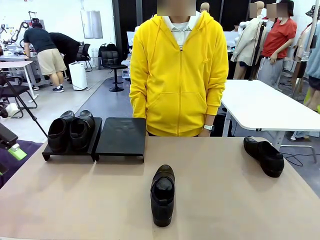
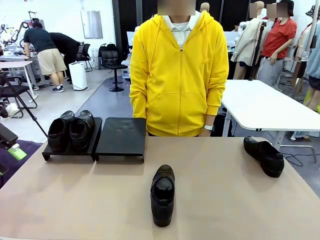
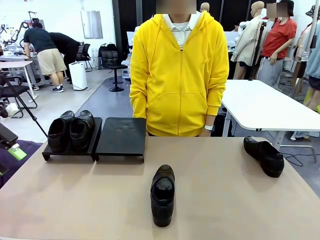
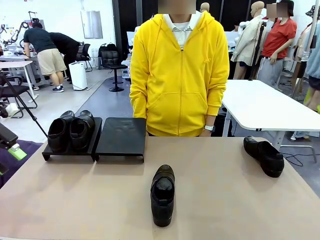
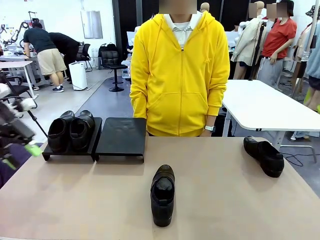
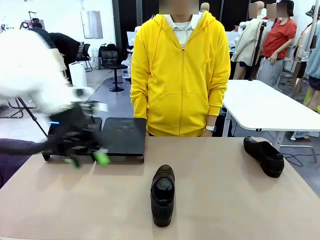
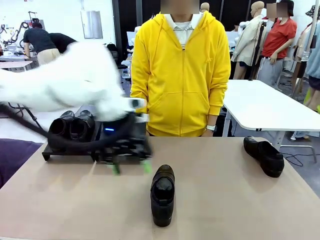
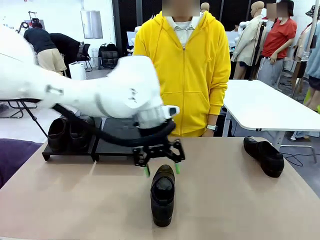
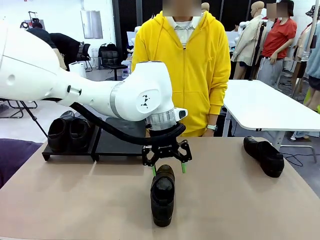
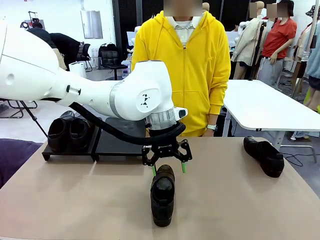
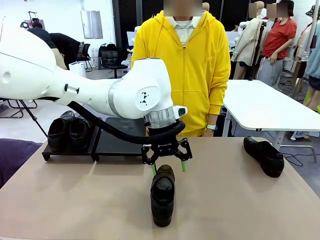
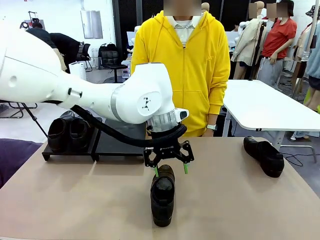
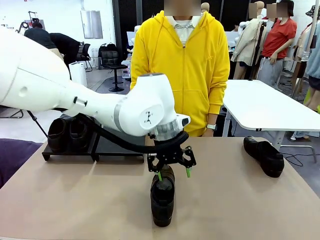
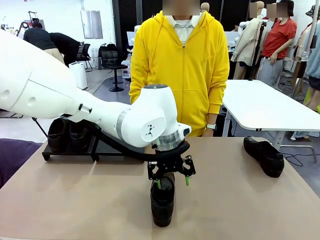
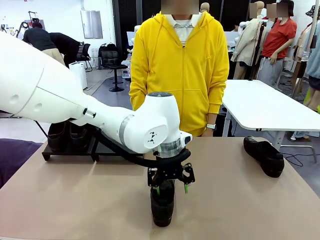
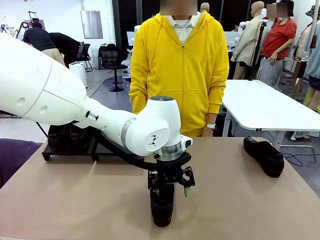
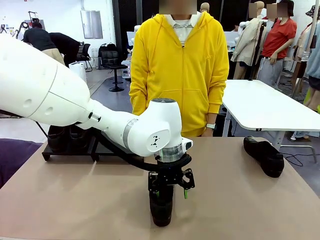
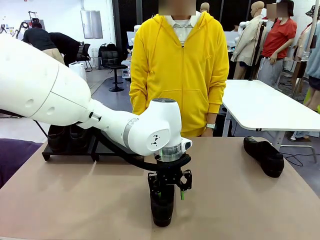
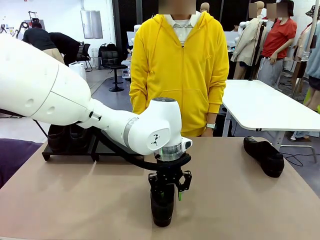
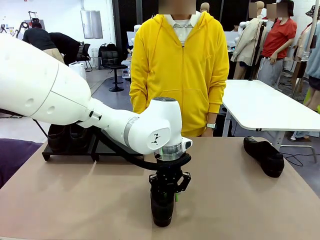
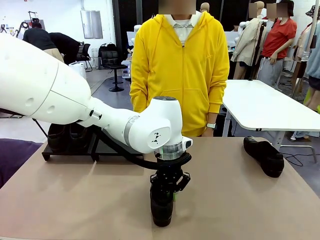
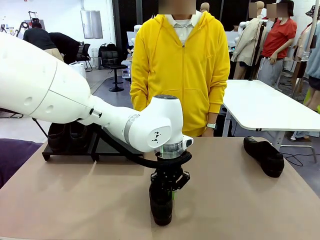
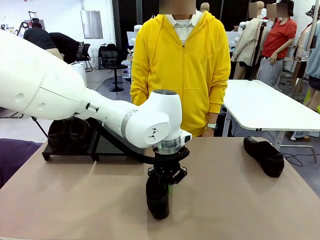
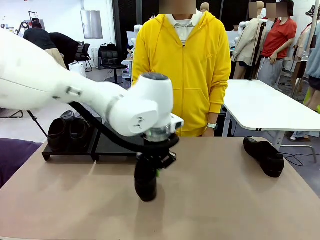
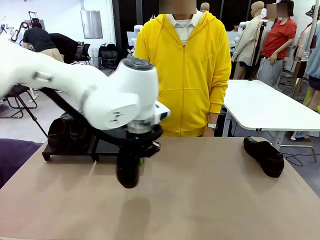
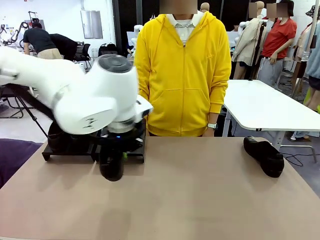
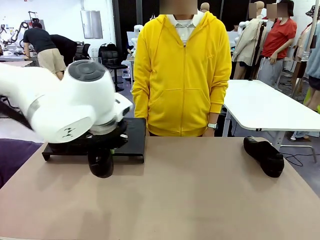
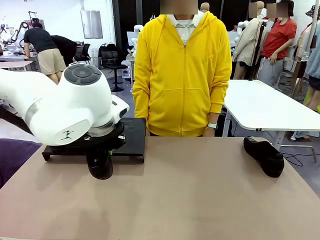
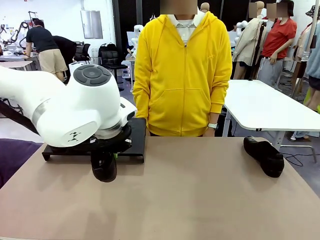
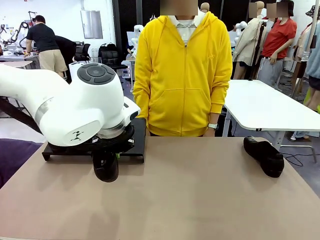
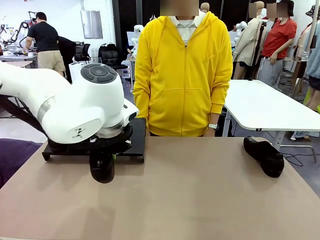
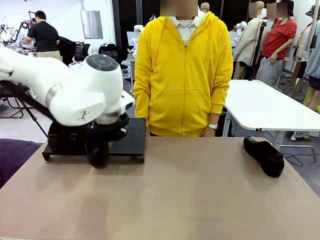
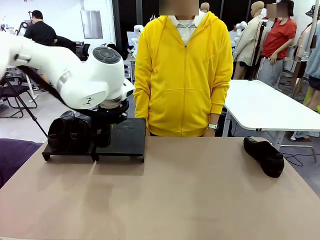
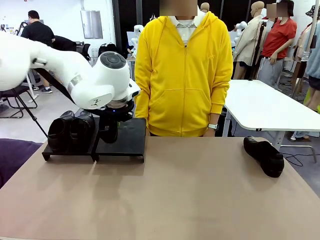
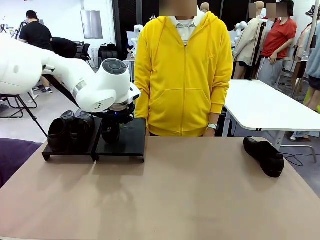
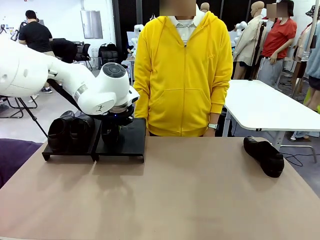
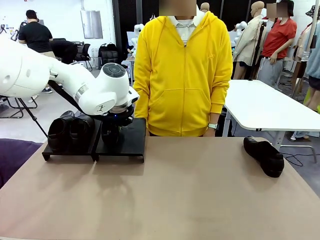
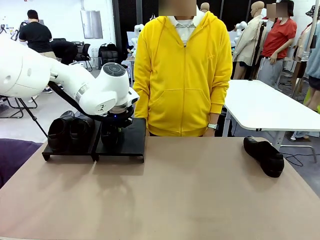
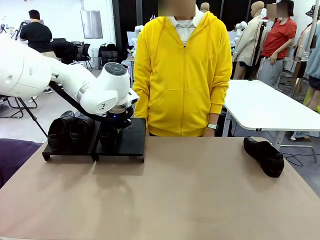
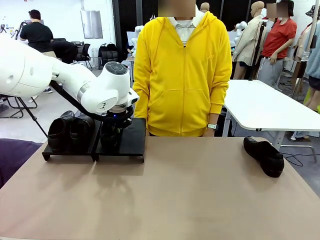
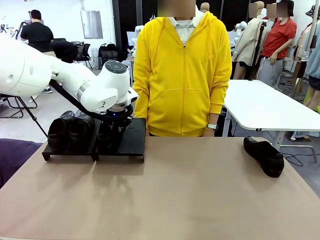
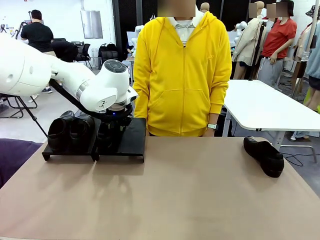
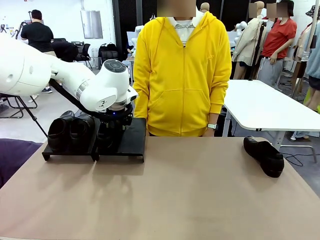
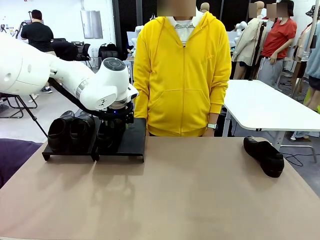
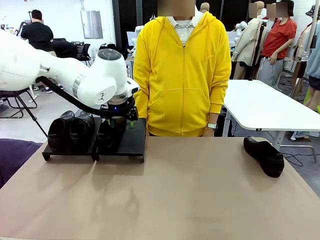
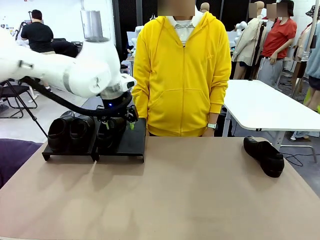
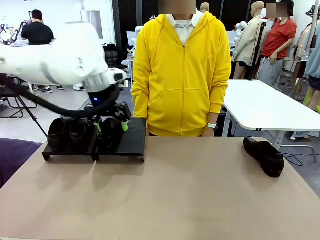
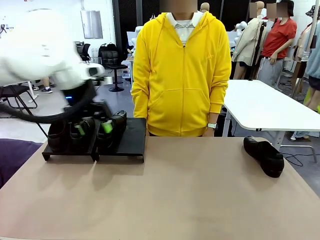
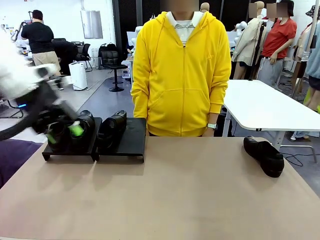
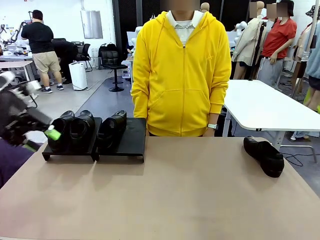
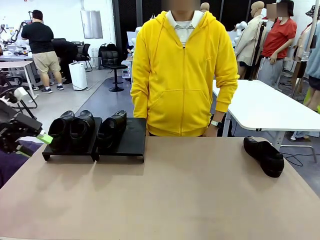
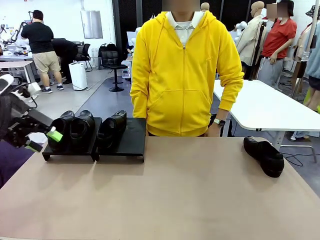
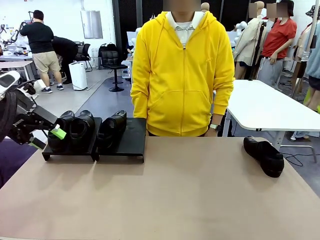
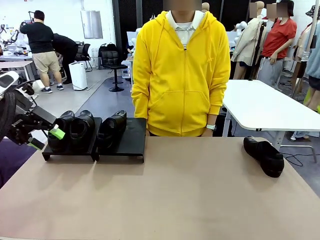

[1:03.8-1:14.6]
Task: Organize the shoes by placing them on the stand.
Robot: Place the Shoe from the middle of the table onto the Shoes Stand.

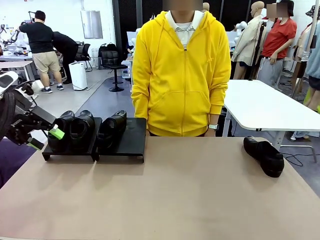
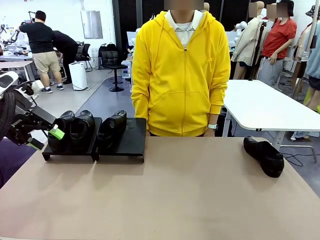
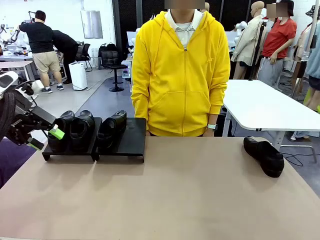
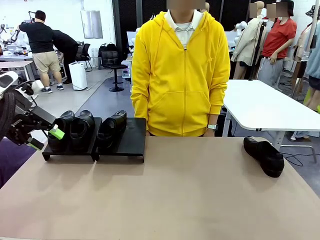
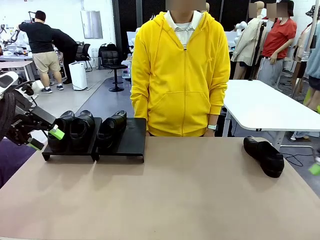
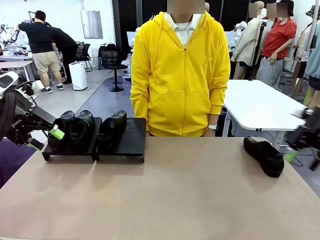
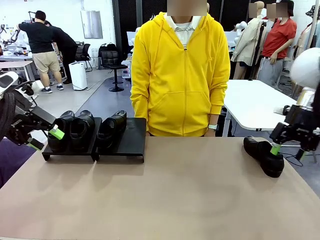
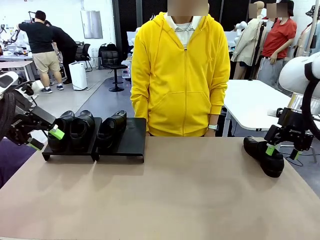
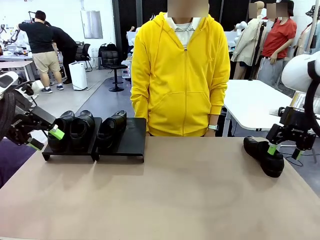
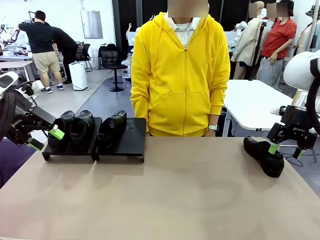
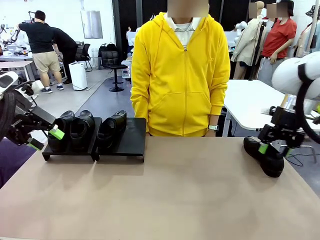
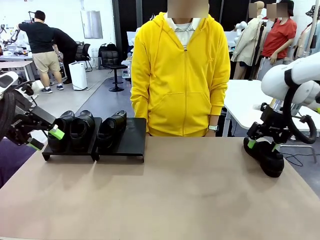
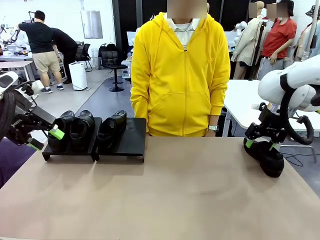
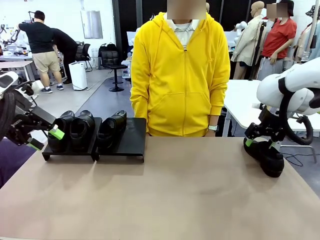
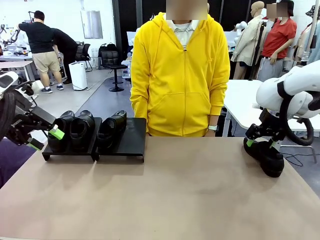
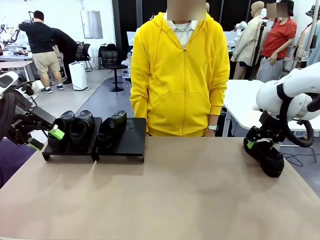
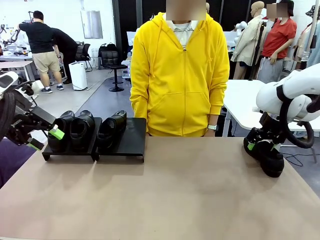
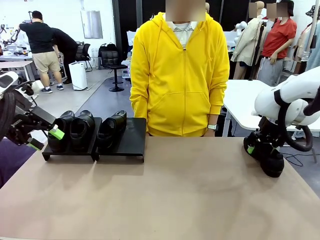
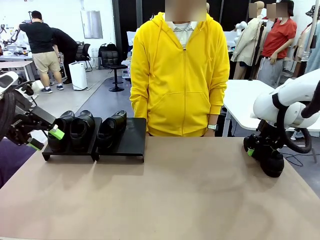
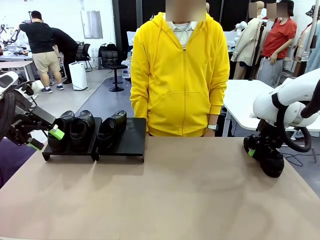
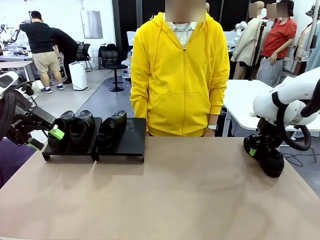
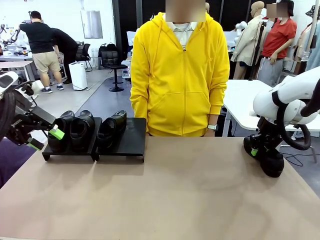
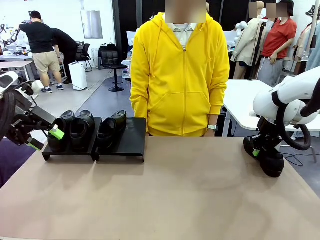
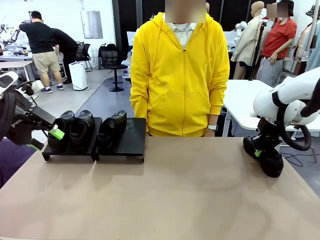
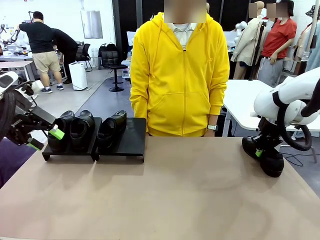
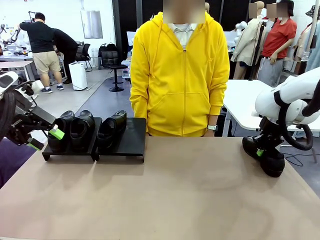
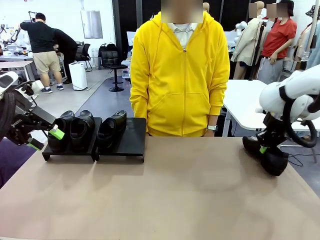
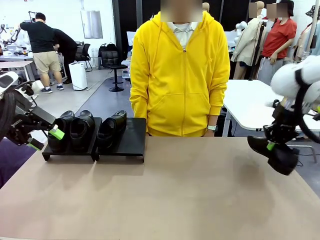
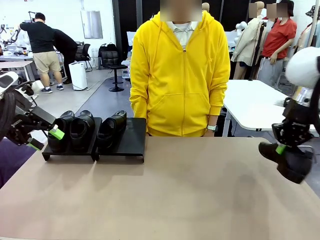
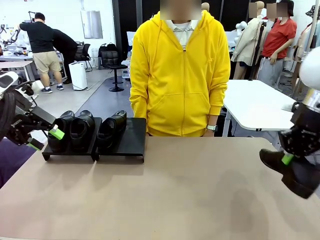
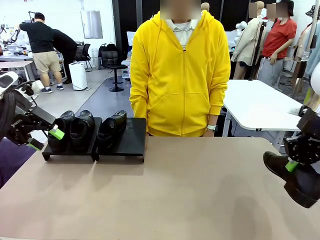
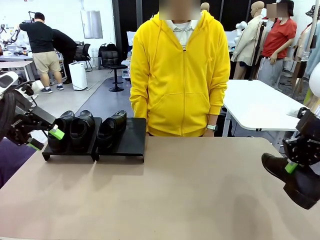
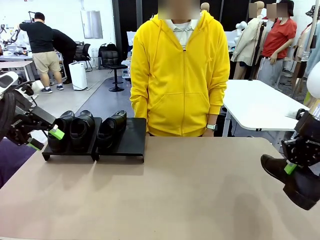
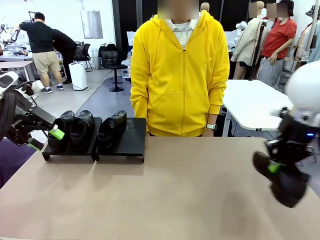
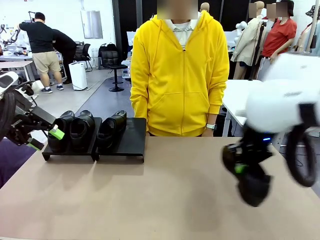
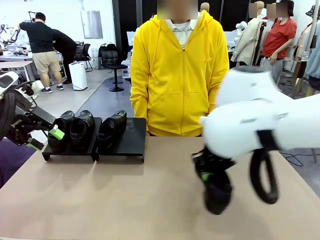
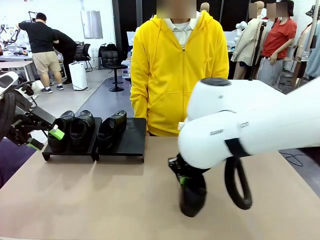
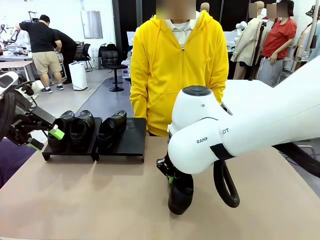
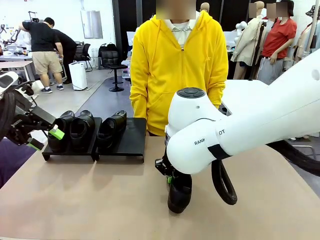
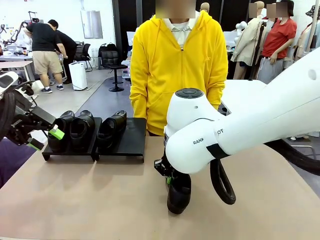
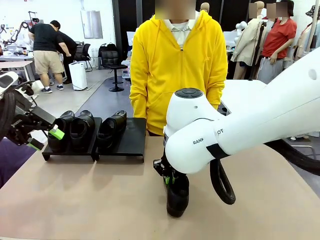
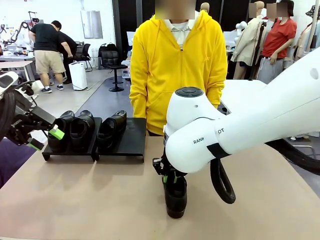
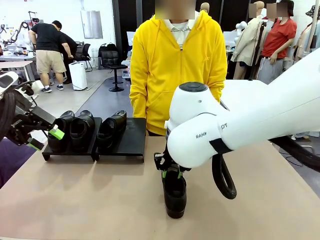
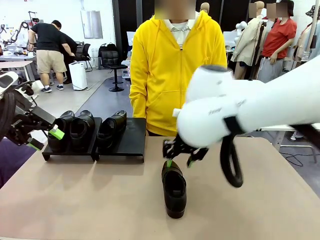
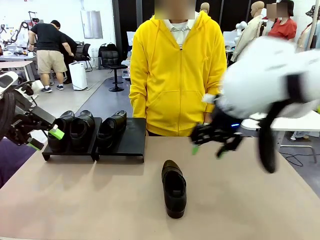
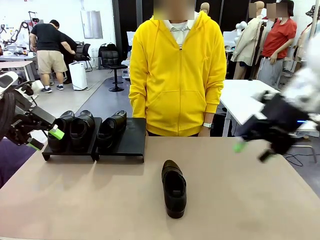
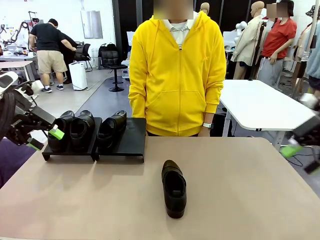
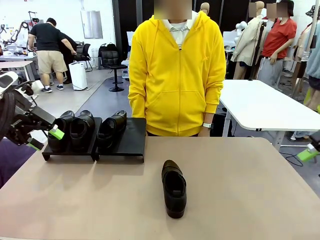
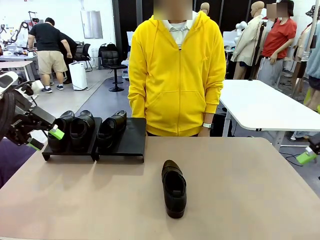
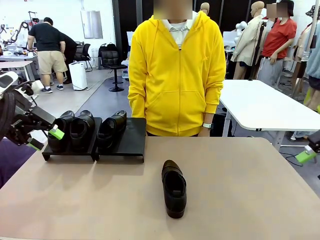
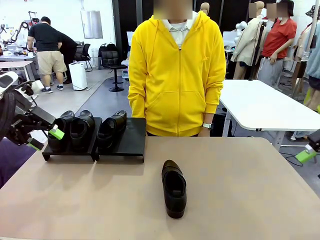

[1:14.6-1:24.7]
Robot: Pick up one Shoe and place it in the middle of the table.
